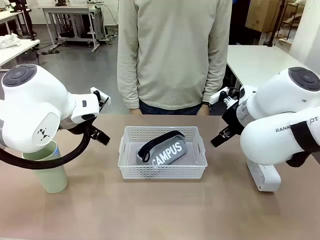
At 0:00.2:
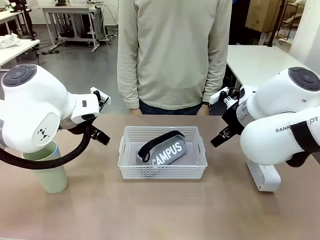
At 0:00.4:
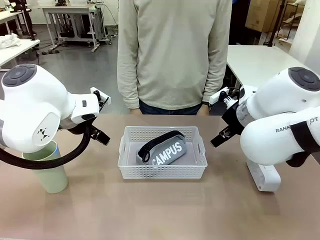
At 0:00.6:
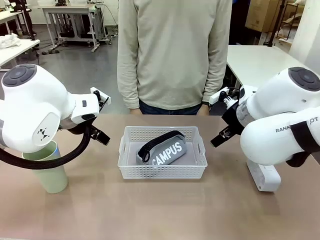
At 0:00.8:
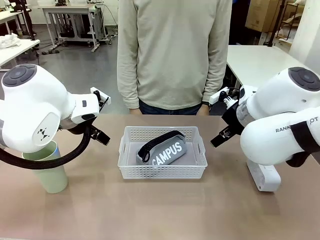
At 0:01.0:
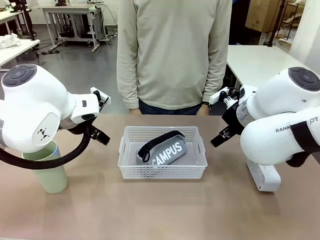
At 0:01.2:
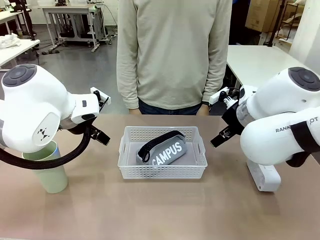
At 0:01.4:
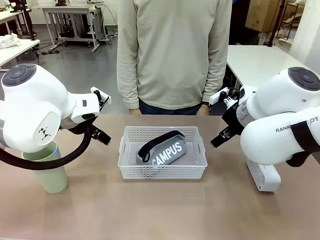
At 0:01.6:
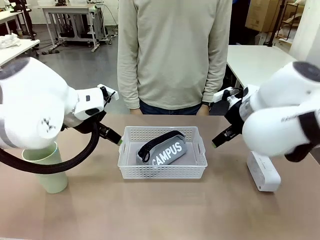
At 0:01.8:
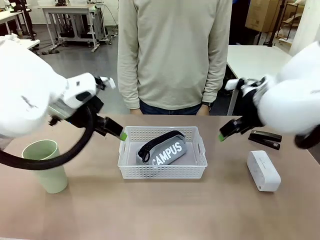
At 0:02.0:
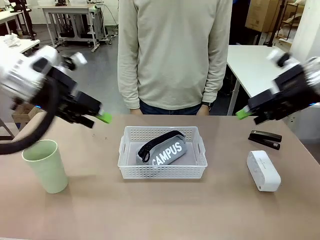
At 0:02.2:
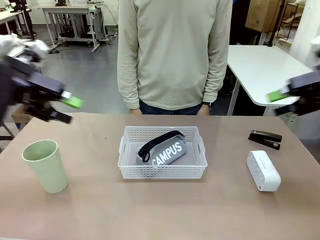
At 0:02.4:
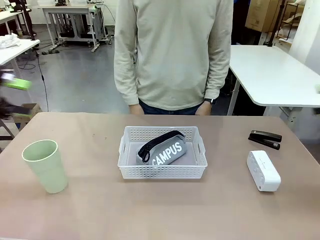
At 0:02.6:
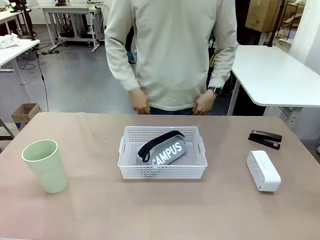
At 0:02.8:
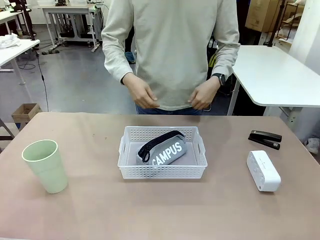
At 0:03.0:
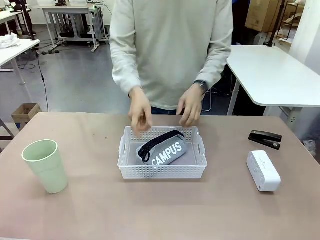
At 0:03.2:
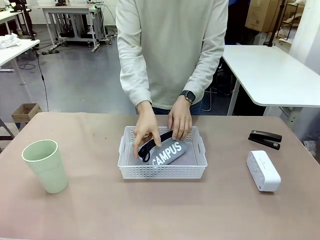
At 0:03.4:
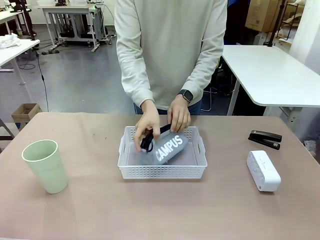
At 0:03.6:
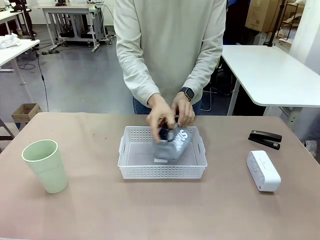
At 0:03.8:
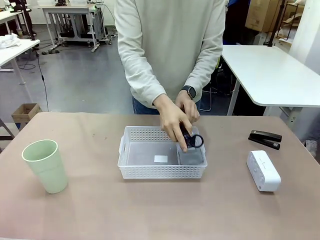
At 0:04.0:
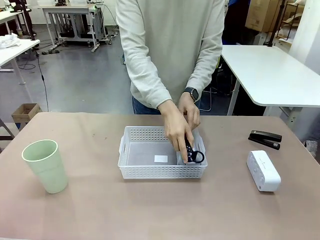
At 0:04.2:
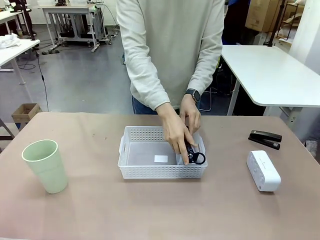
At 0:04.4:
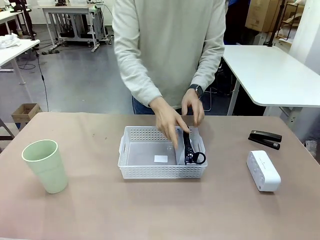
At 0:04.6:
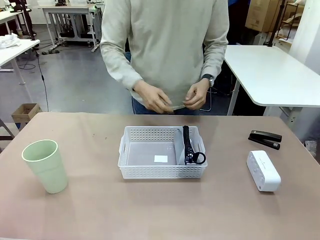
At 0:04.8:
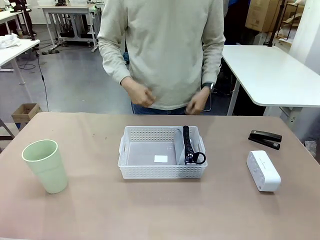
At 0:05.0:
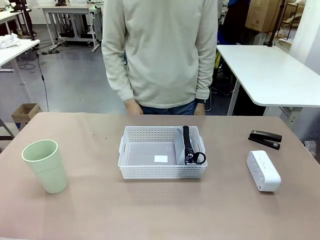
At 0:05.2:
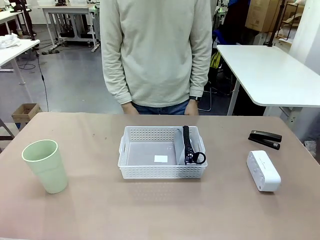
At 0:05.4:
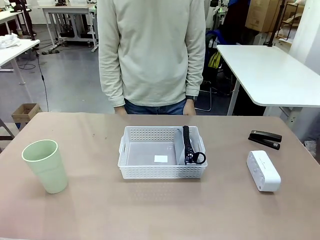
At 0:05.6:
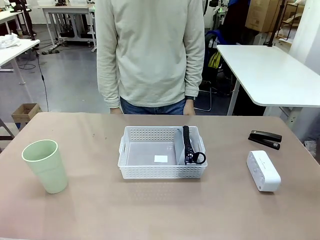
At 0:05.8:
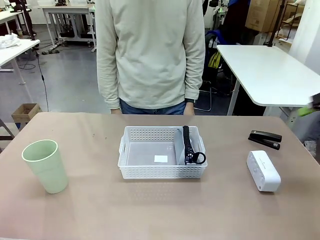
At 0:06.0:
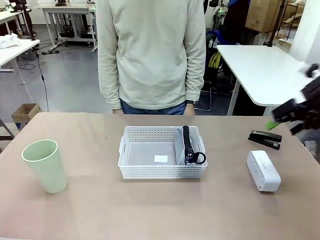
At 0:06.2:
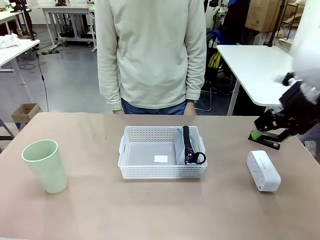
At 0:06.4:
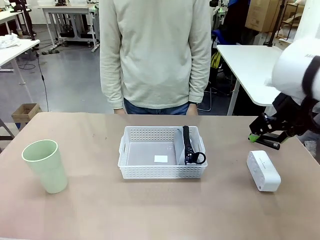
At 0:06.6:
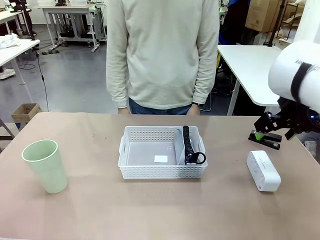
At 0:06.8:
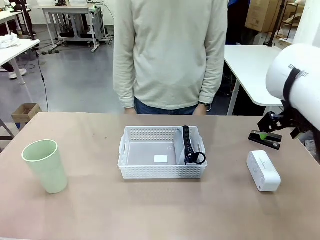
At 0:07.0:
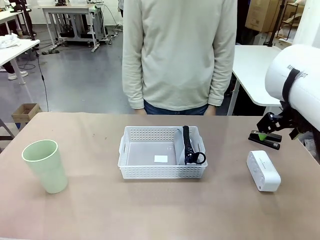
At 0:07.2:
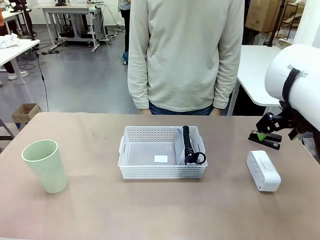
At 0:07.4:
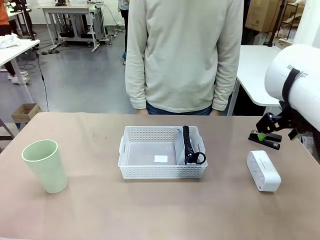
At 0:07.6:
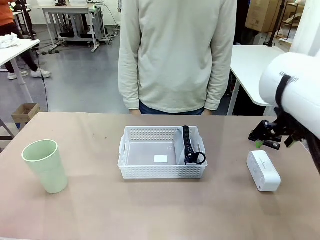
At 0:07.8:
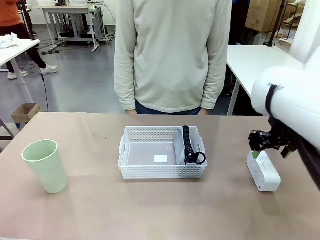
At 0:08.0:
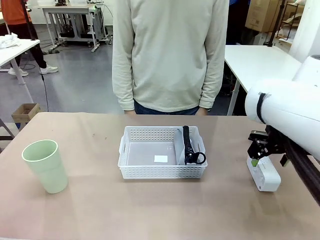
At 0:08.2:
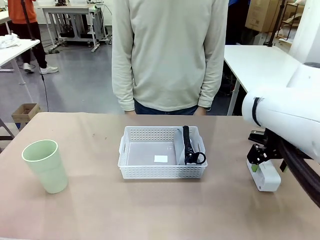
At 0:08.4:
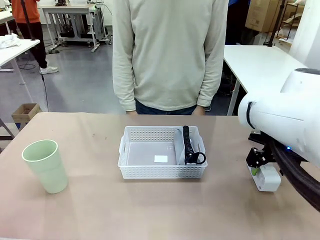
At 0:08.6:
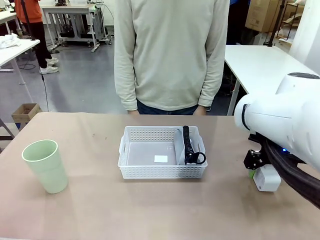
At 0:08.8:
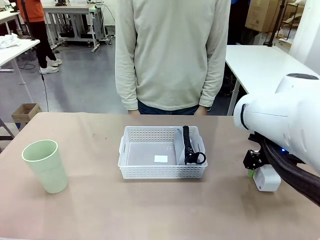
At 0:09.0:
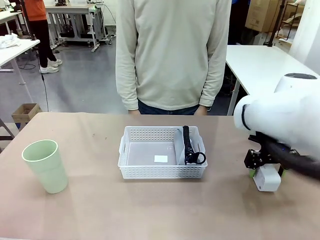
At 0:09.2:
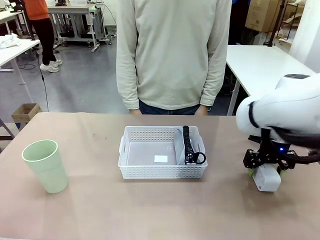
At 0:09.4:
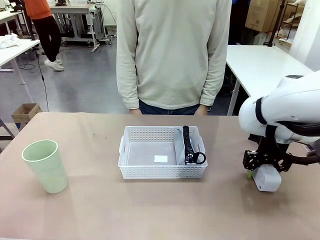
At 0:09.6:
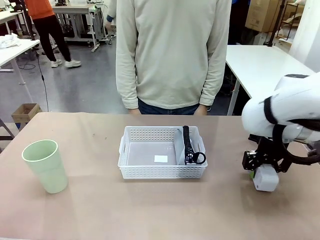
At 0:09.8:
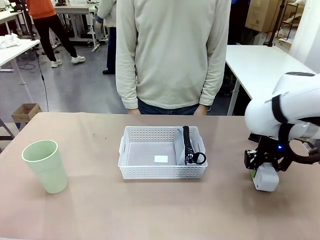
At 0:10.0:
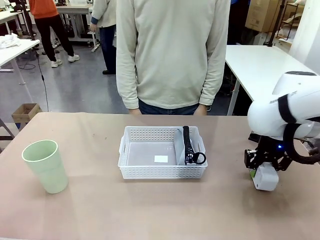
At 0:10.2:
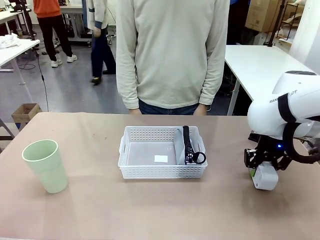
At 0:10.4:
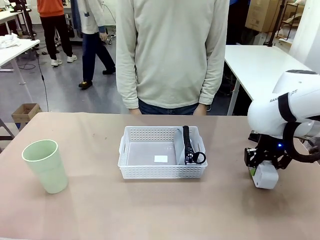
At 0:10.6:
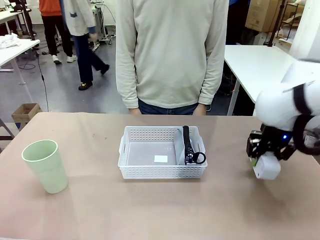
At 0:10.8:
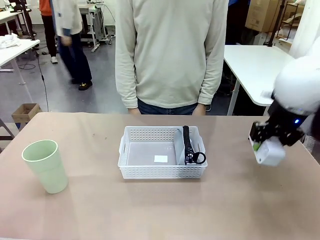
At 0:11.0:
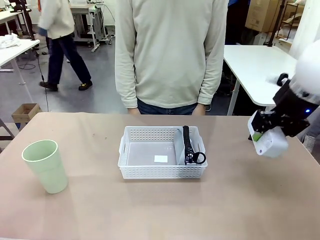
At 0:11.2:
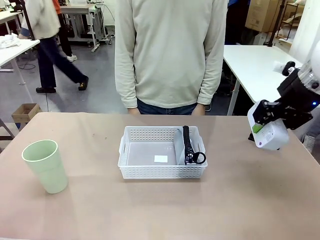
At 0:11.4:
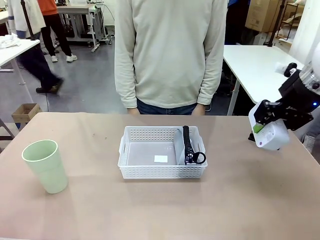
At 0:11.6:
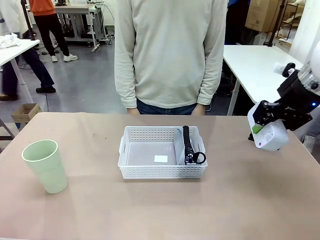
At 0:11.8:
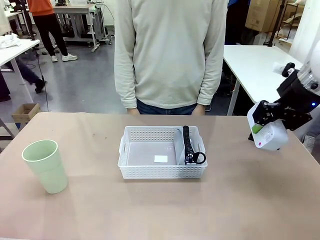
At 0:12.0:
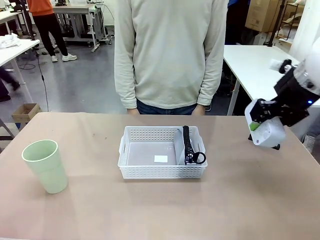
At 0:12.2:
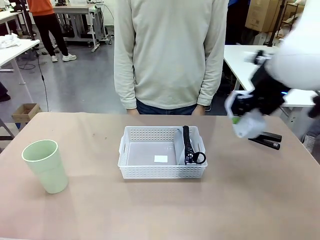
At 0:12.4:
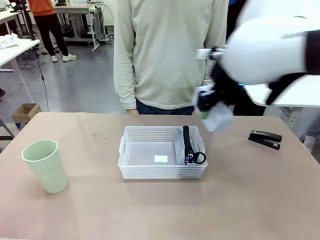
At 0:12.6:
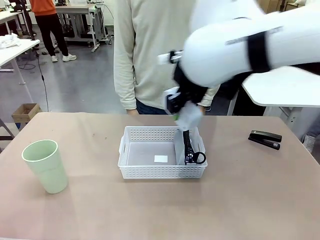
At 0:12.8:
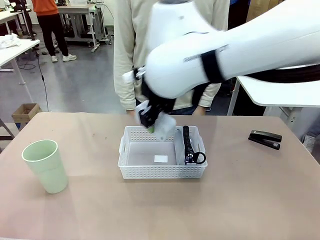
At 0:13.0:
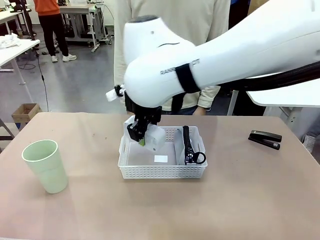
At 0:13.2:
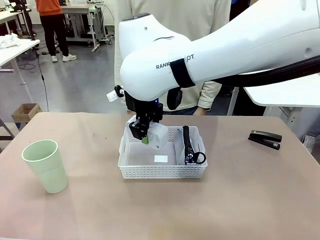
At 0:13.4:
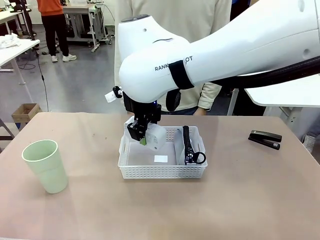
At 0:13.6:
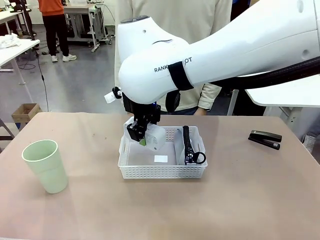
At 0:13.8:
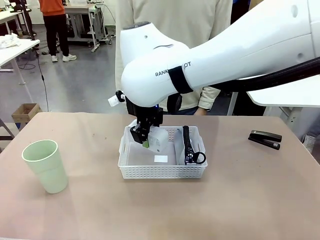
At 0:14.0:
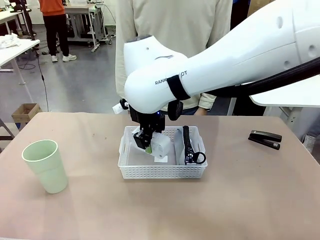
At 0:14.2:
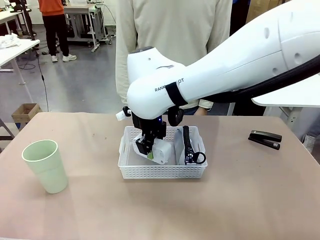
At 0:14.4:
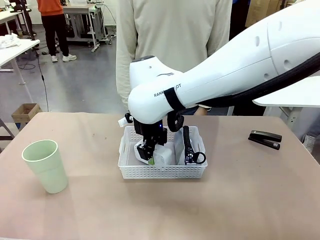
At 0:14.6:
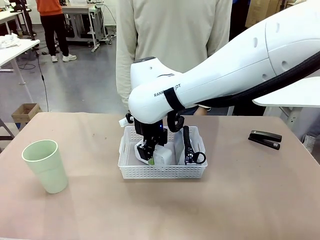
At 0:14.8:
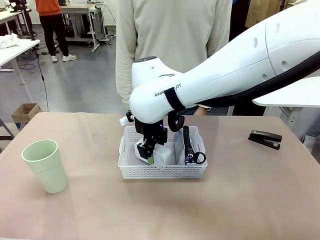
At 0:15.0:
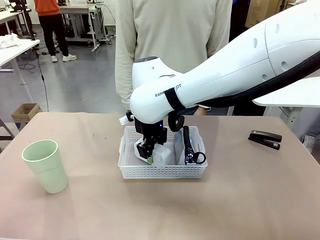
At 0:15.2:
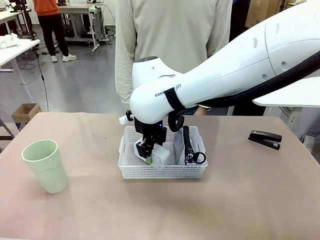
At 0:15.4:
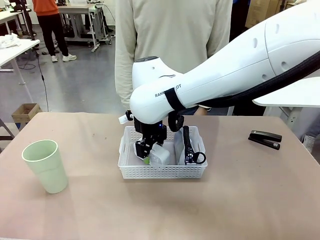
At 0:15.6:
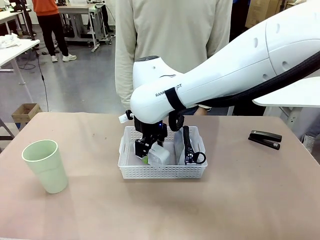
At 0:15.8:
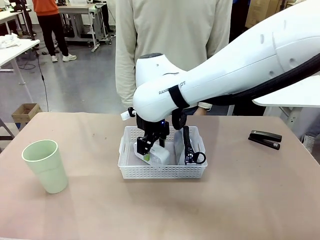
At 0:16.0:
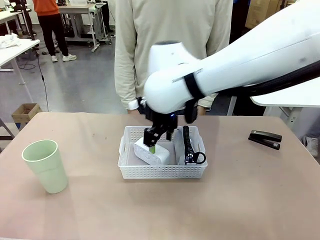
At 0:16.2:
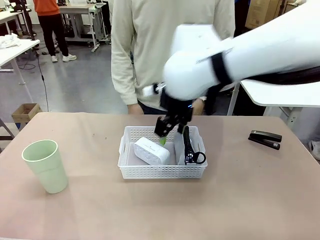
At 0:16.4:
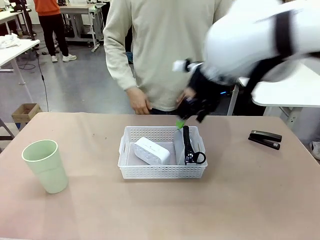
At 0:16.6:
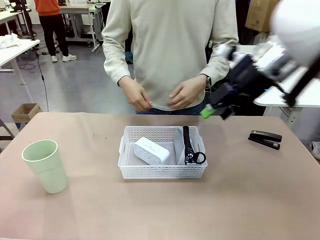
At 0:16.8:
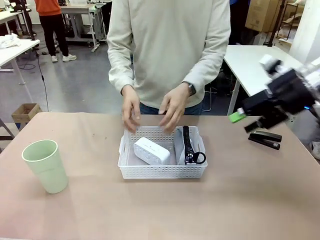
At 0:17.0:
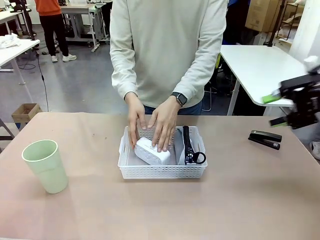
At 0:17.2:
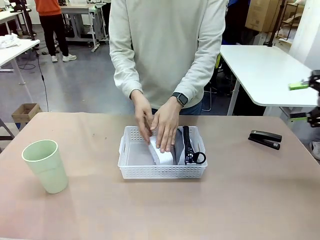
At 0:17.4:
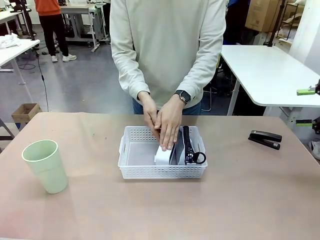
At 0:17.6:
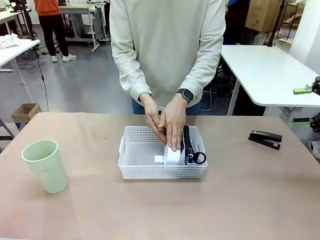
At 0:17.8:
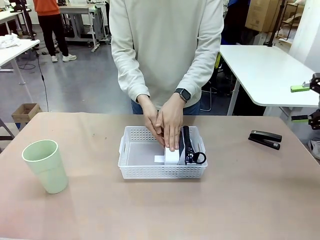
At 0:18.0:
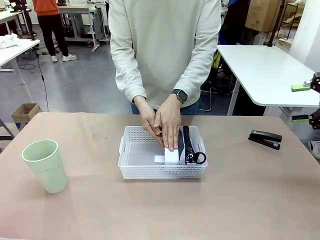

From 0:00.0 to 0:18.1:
Task: Efficiently arrange items inside the basket to fit them all.
Robot: Pick up the Digital clock and place it inside the Organizing basket.
Person: Repositions the pencil case. Repositions the digital clock.
